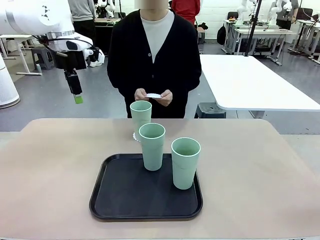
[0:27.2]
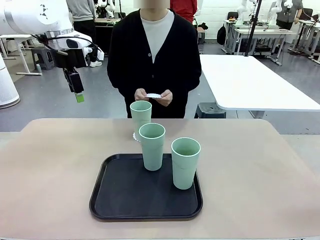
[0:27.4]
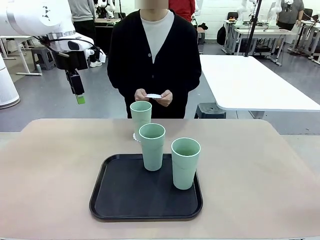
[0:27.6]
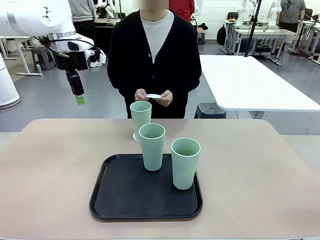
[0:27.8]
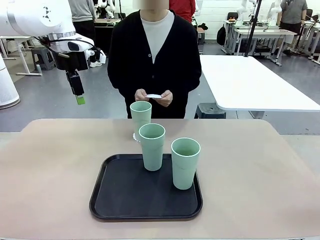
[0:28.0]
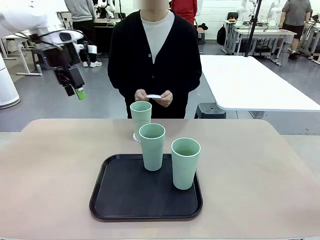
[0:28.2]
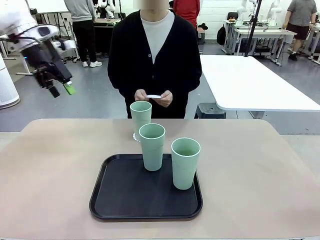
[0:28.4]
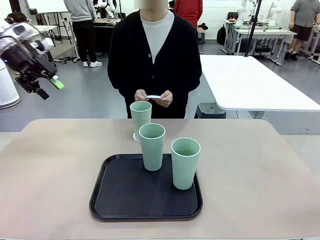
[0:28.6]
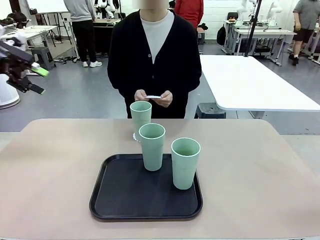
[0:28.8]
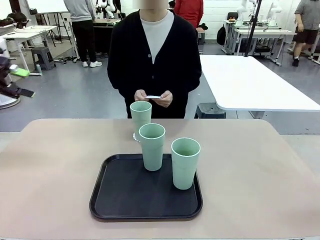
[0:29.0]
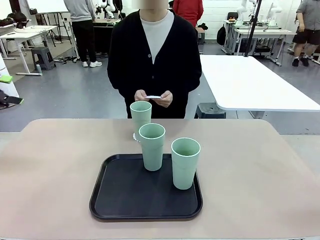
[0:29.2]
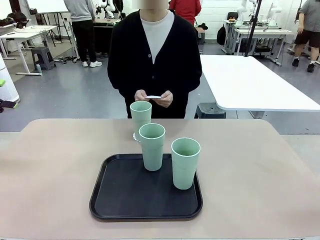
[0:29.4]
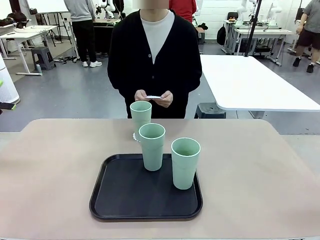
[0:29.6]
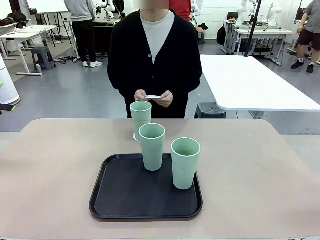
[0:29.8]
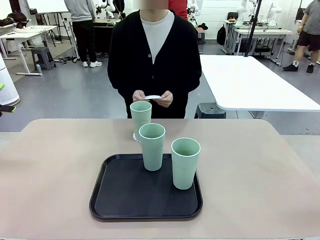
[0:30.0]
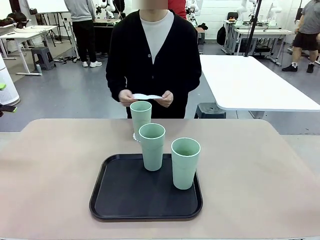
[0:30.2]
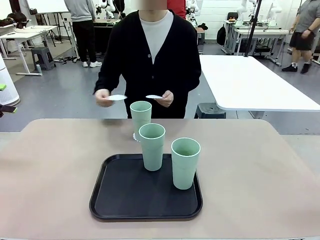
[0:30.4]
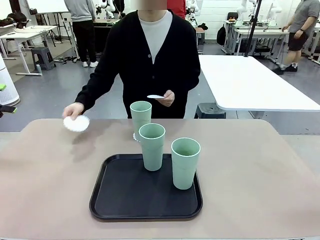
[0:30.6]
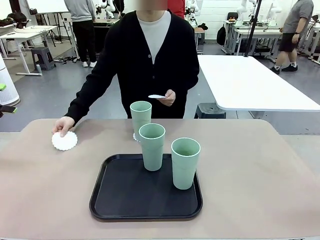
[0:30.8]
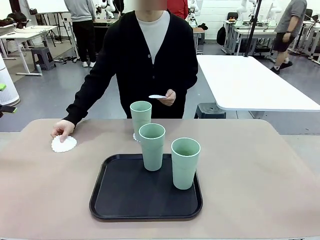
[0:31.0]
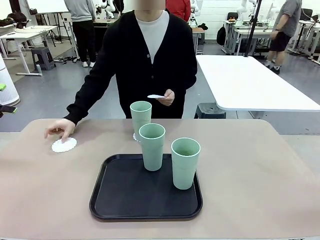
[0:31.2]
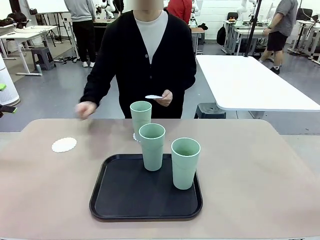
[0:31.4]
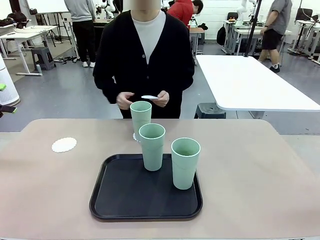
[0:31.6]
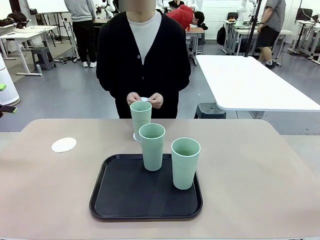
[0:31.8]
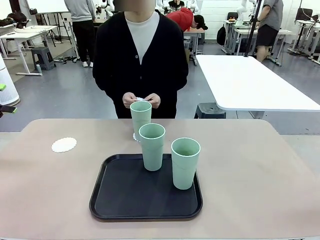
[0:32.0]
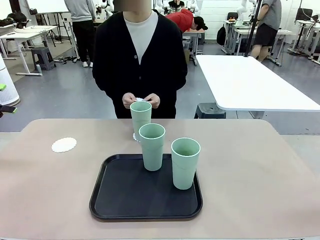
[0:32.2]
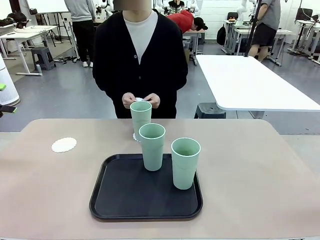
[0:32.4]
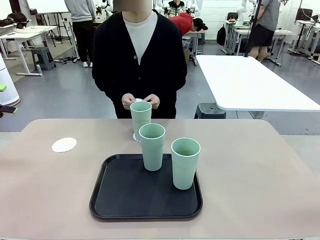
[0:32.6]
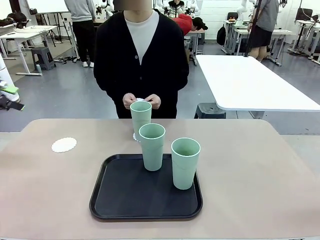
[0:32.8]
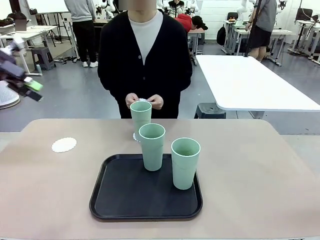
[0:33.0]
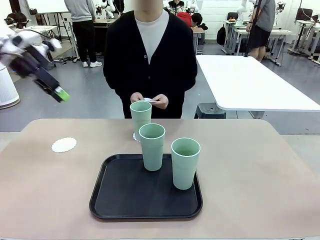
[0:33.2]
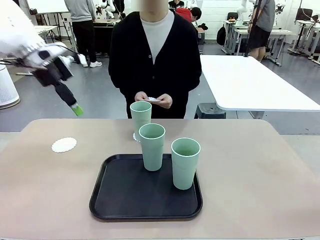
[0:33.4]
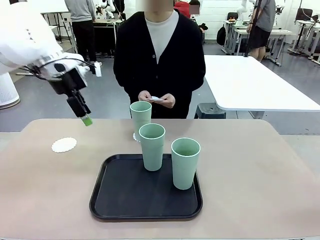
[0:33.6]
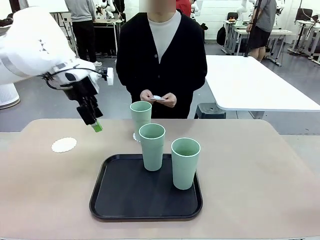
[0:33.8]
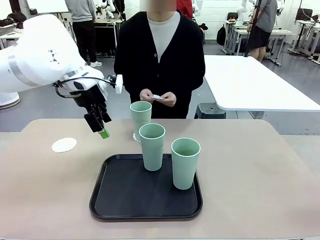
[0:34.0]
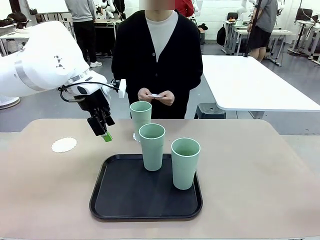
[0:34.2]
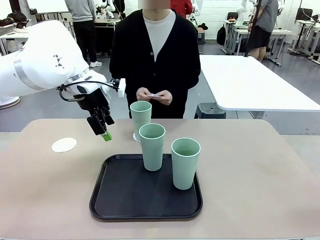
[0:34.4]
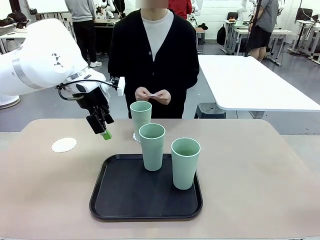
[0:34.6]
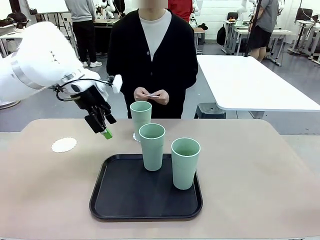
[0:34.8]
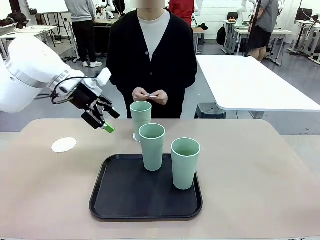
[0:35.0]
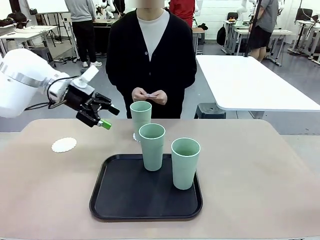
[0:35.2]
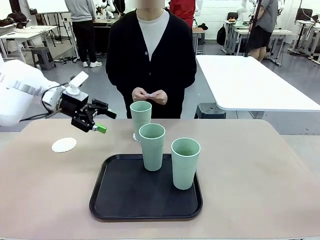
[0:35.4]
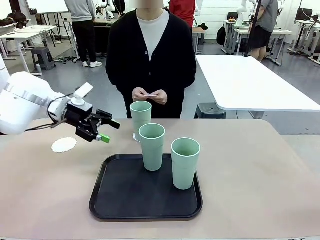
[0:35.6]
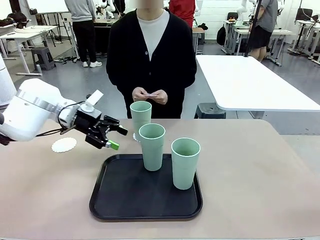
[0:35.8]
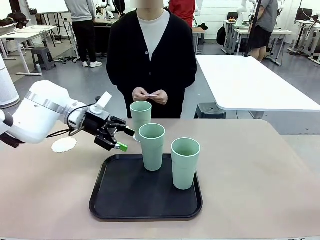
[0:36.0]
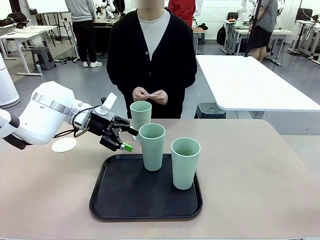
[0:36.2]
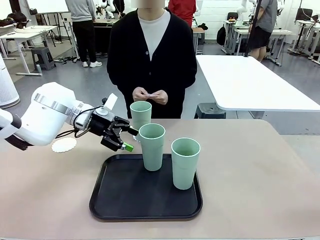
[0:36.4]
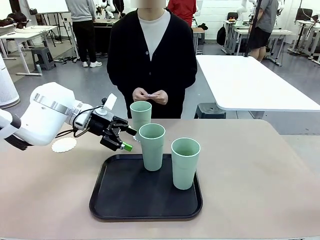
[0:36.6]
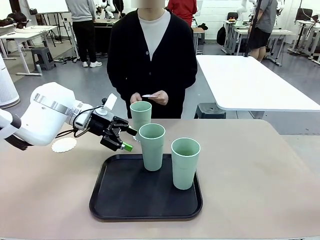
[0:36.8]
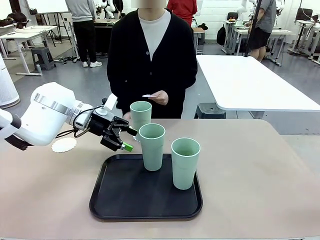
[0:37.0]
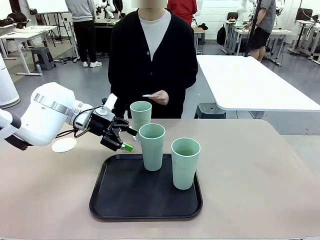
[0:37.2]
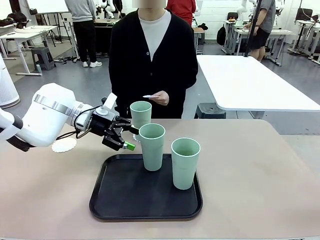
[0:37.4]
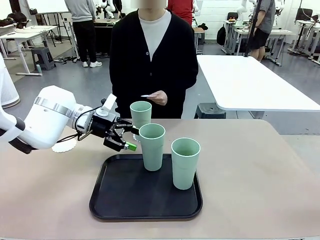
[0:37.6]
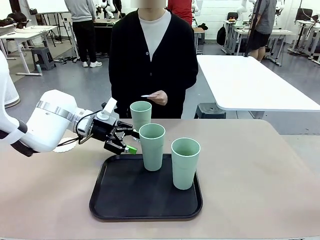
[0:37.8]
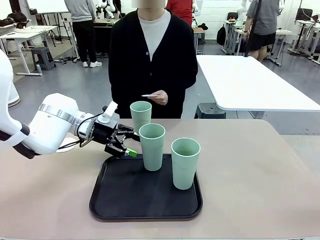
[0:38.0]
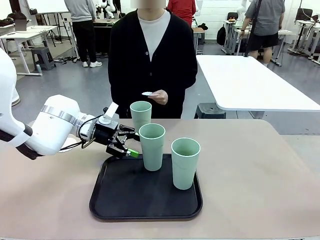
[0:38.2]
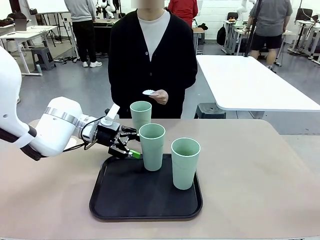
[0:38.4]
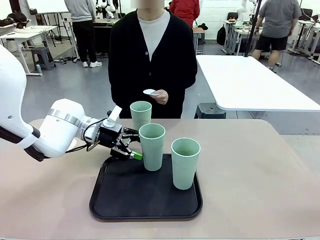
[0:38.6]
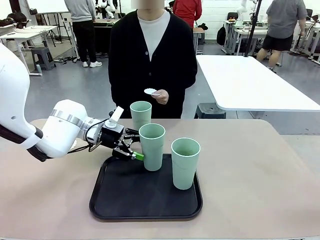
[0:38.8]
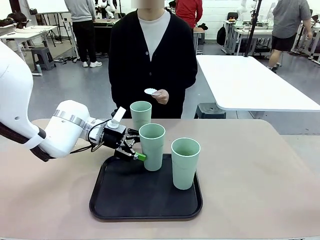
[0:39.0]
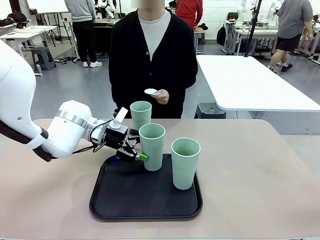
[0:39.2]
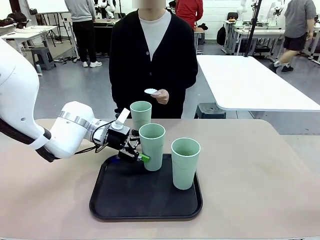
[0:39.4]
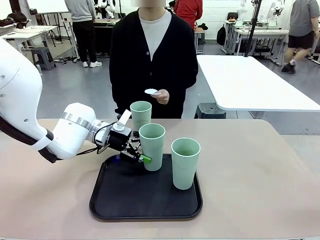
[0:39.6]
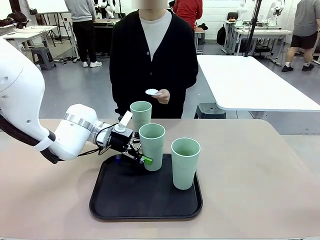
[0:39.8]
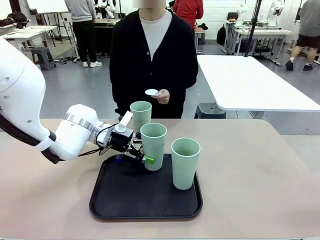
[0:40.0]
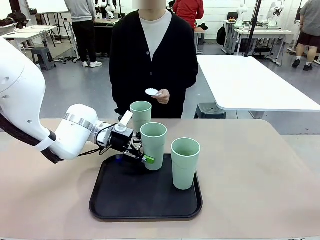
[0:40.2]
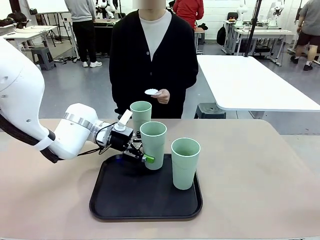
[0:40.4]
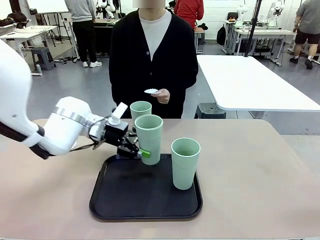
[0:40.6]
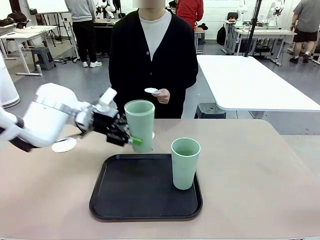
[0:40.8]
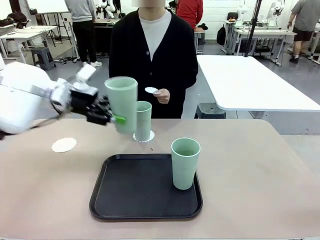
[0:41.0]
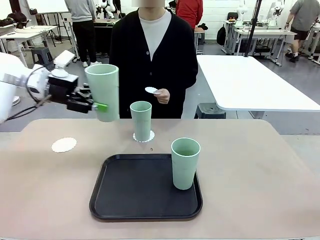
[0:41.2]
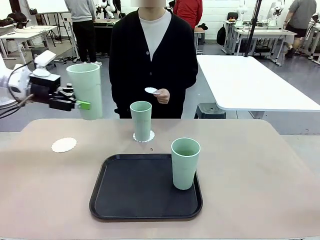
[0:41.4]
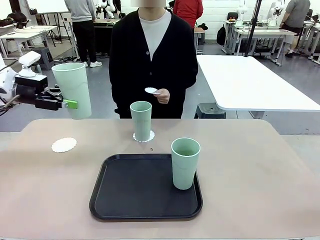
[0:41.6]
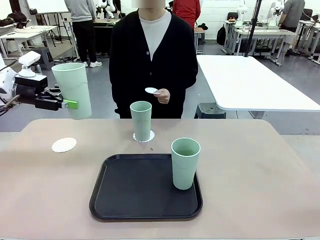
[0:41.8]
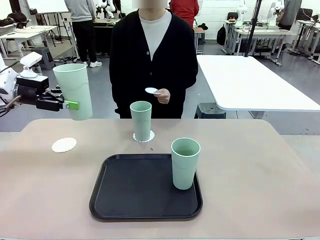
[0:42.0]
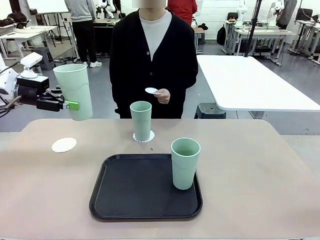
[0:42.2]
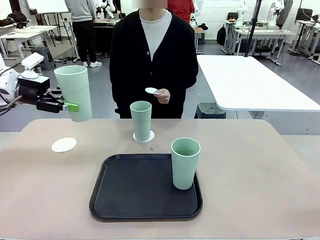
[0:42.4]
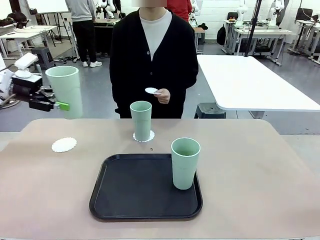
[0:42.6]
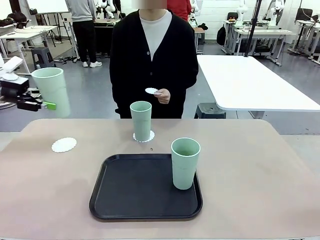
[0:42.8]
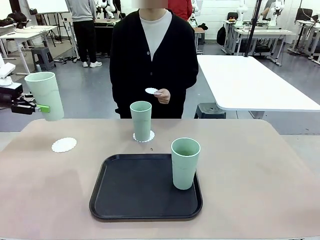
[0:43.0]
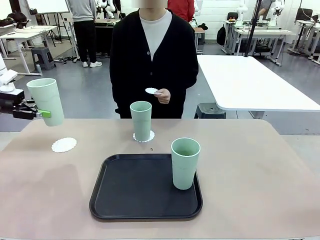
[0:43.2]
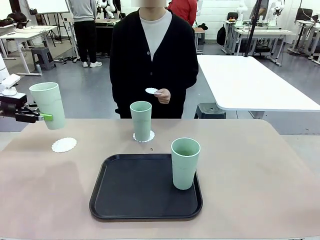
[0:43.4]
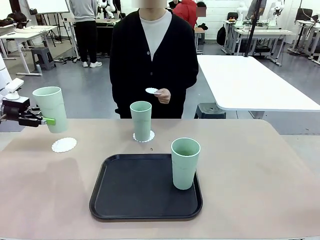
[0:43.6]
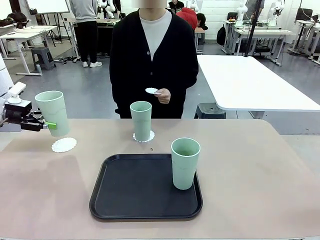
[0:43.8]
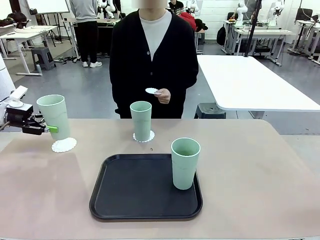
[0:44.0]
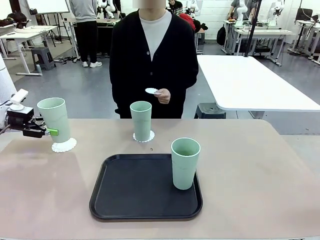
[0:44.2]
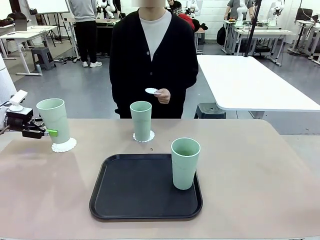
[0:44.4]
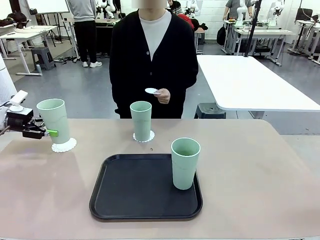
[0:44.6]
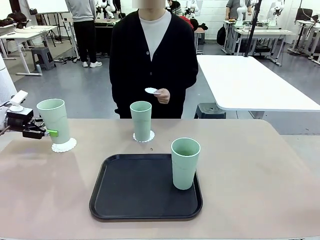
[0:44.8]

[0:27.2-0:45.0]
Task: Place coasters on the table and set cups on them.
Robot: Take one Reusable plastic cup from the Flat Tray and place it on a coaster set by the human.
